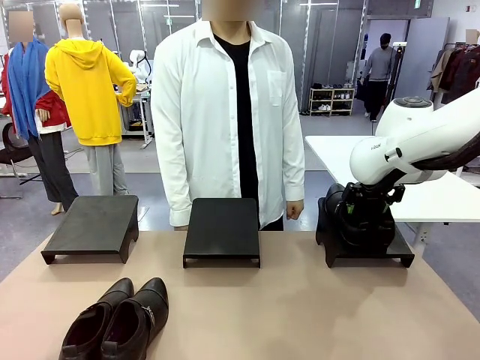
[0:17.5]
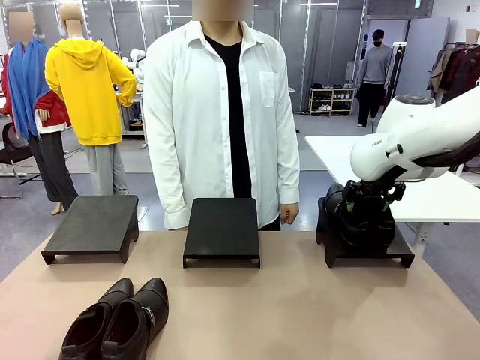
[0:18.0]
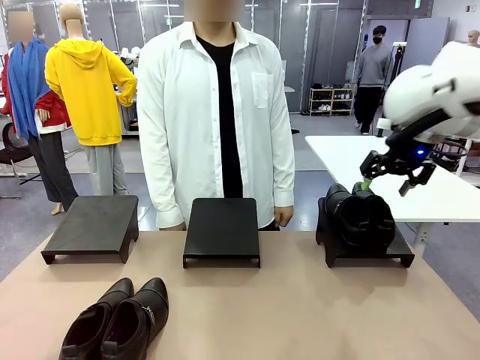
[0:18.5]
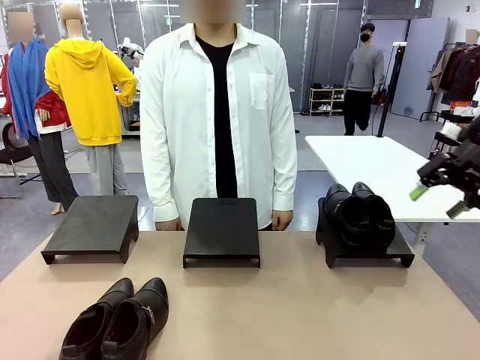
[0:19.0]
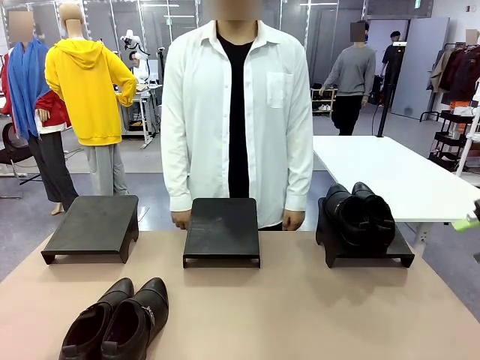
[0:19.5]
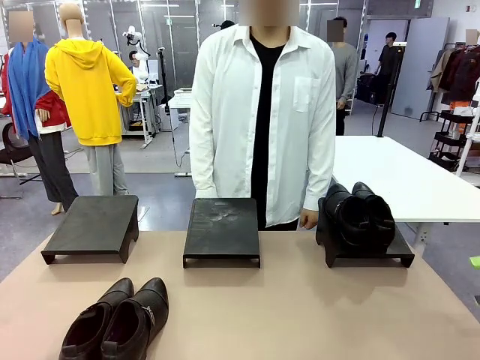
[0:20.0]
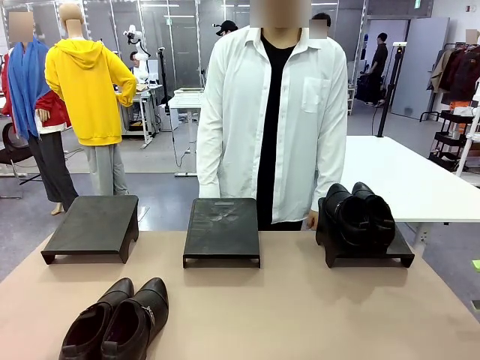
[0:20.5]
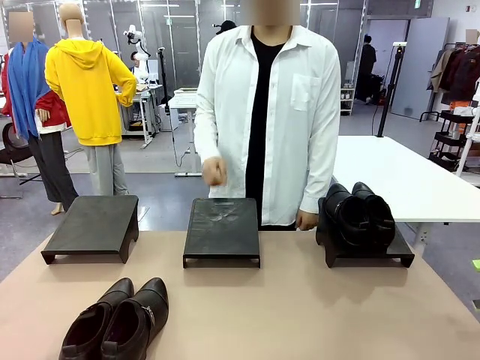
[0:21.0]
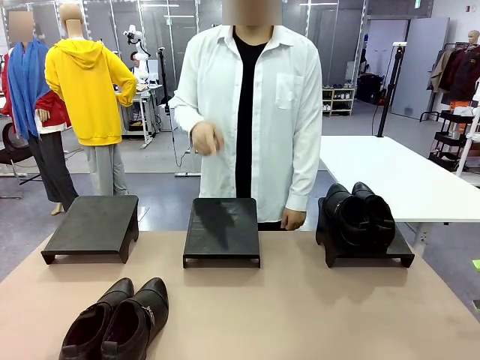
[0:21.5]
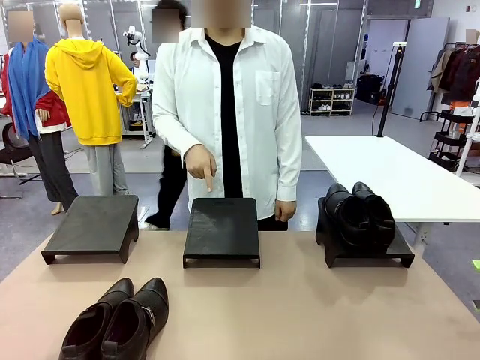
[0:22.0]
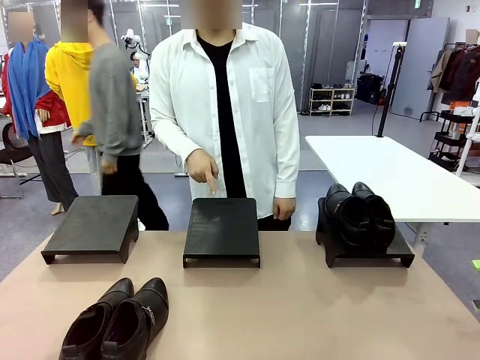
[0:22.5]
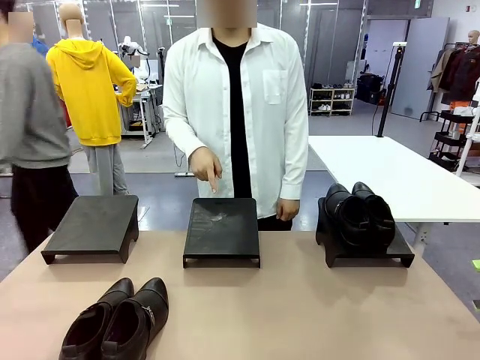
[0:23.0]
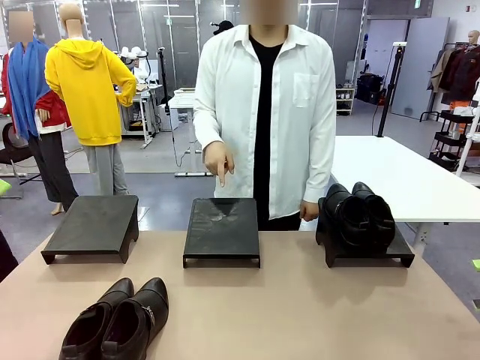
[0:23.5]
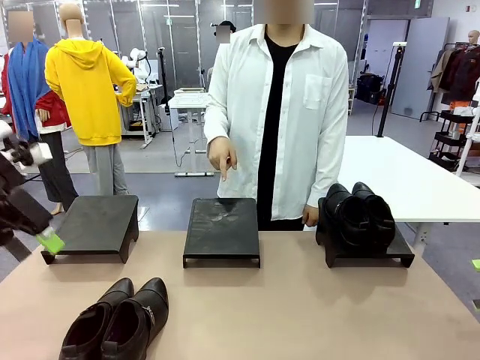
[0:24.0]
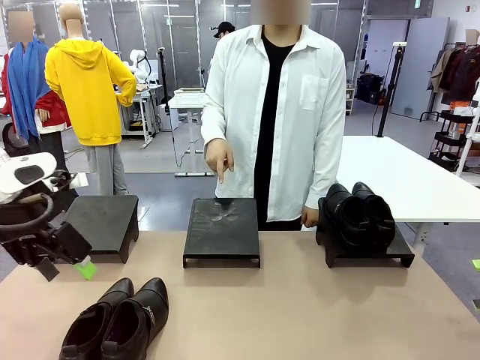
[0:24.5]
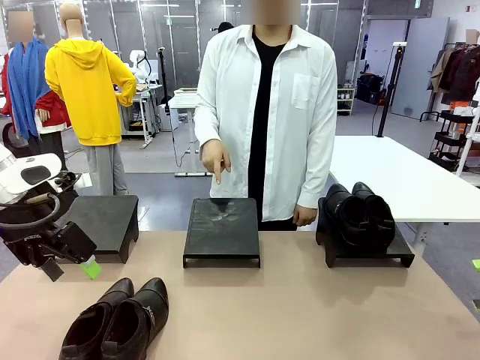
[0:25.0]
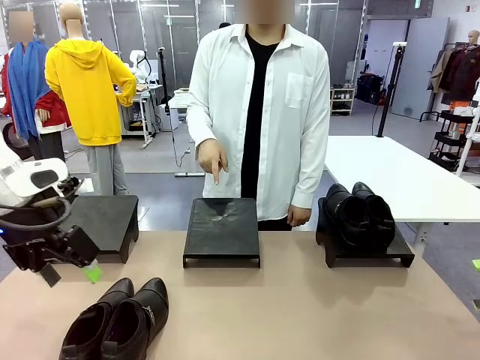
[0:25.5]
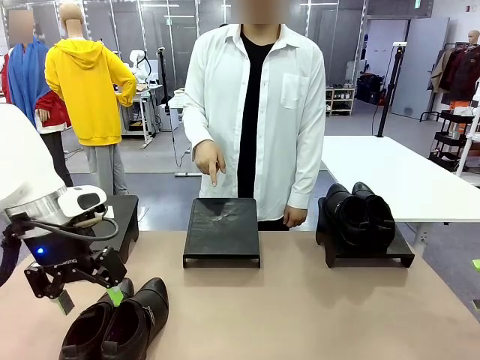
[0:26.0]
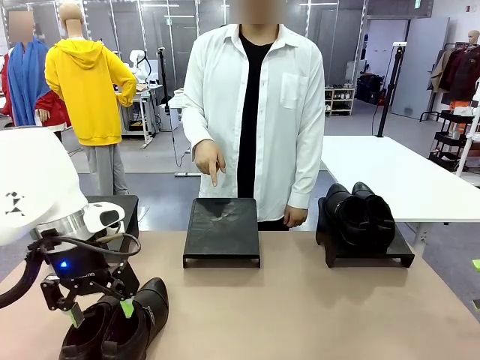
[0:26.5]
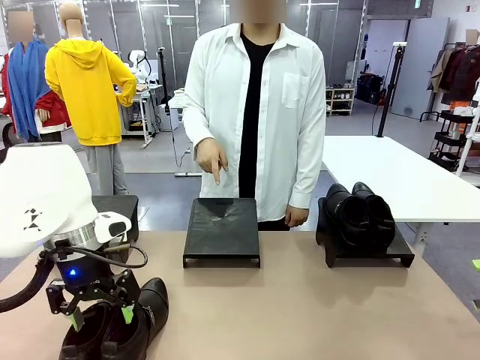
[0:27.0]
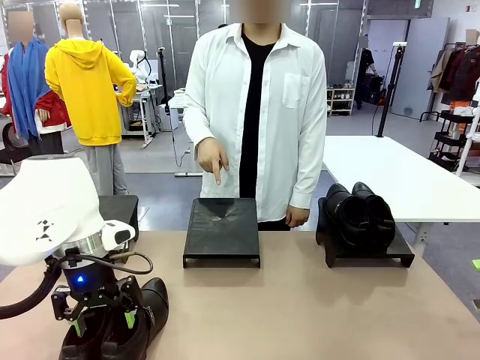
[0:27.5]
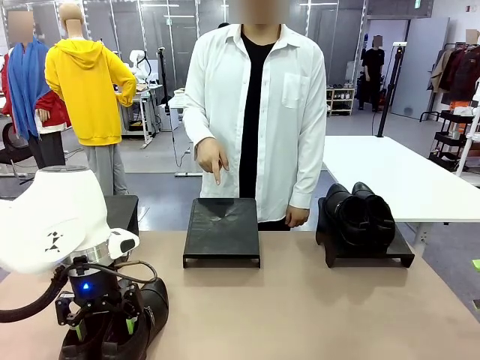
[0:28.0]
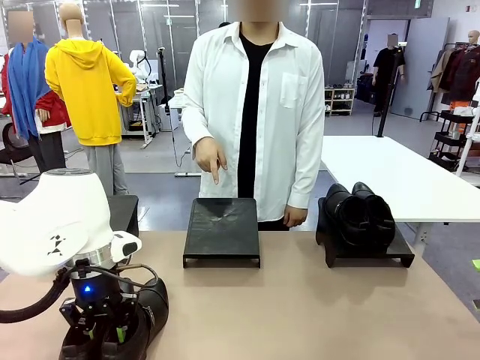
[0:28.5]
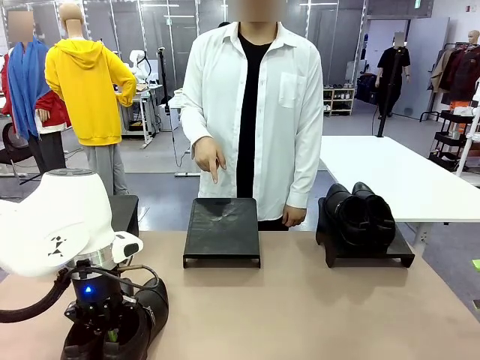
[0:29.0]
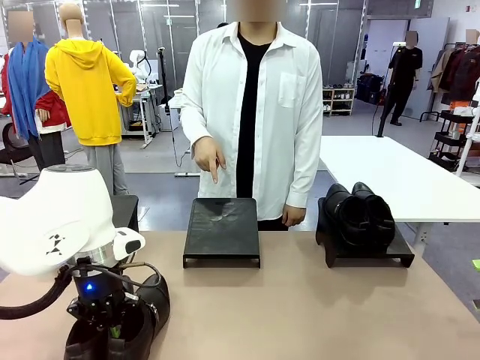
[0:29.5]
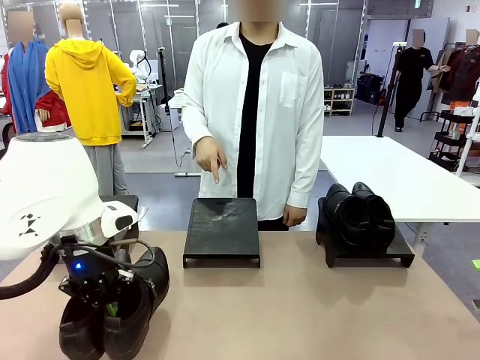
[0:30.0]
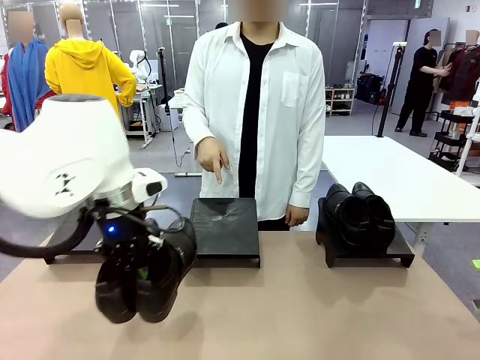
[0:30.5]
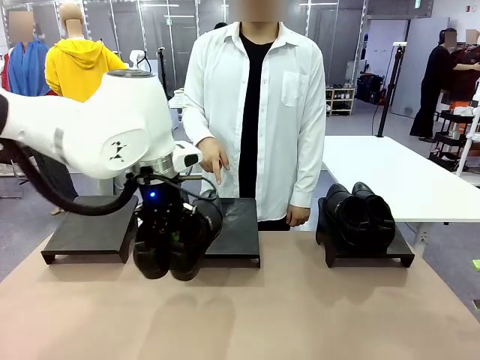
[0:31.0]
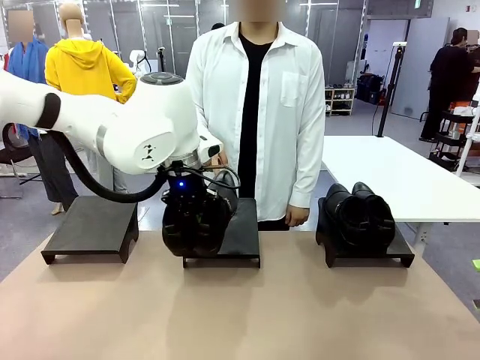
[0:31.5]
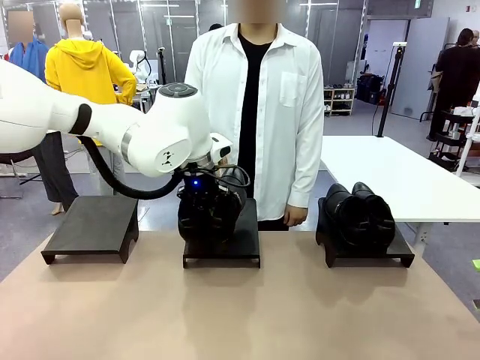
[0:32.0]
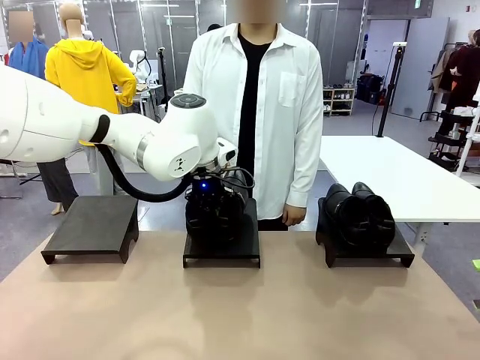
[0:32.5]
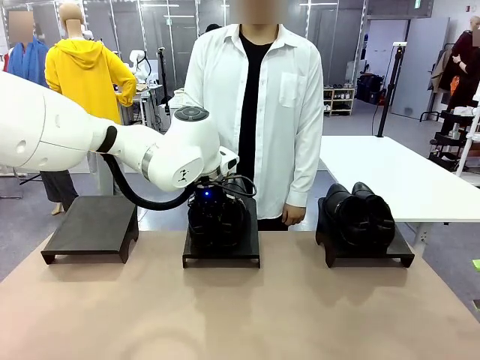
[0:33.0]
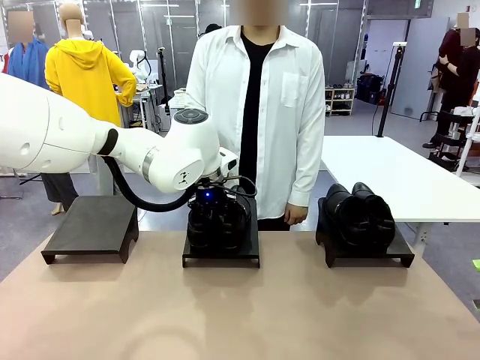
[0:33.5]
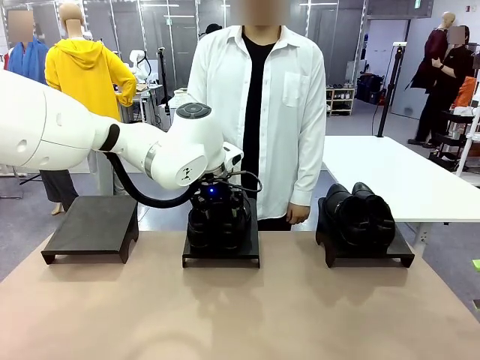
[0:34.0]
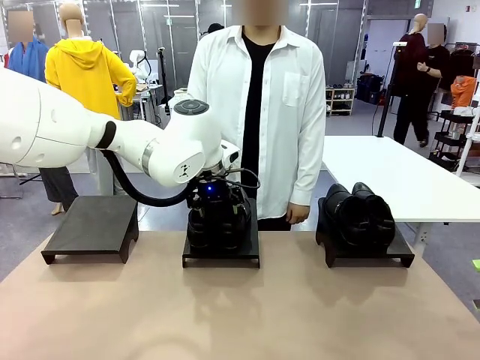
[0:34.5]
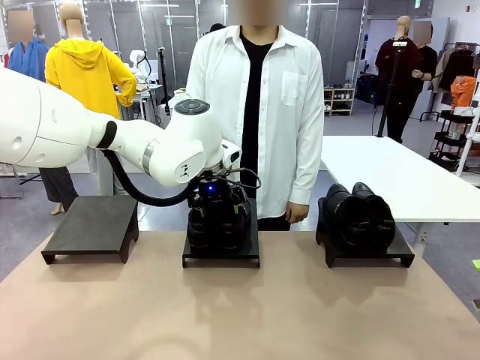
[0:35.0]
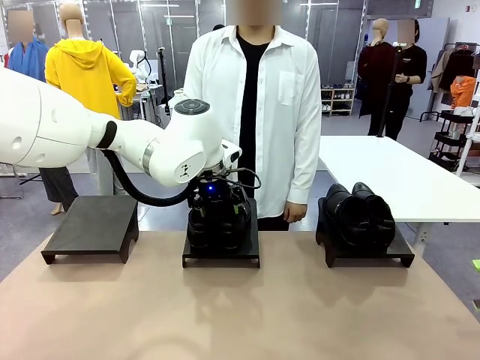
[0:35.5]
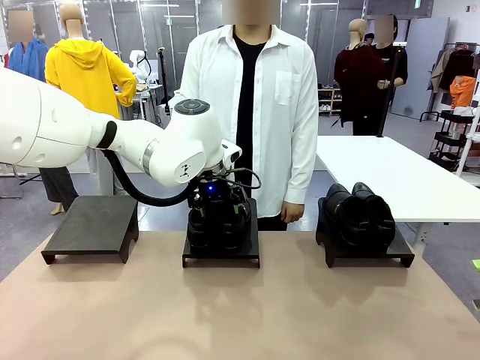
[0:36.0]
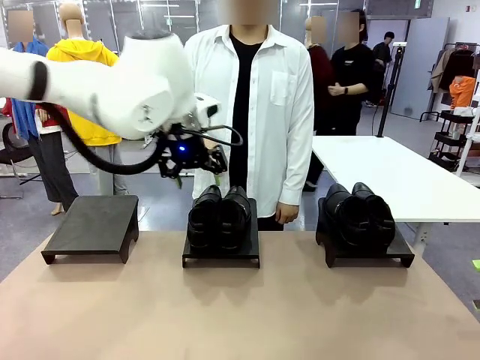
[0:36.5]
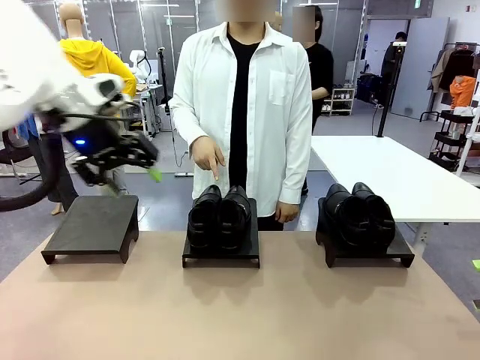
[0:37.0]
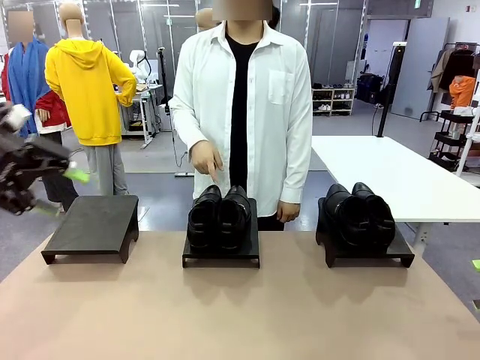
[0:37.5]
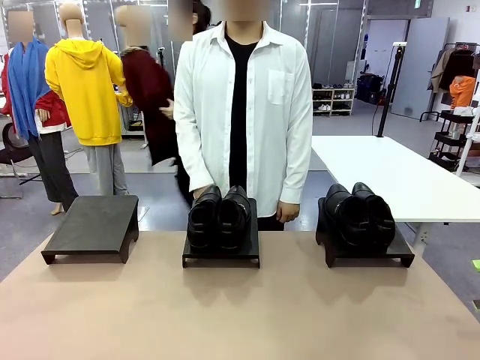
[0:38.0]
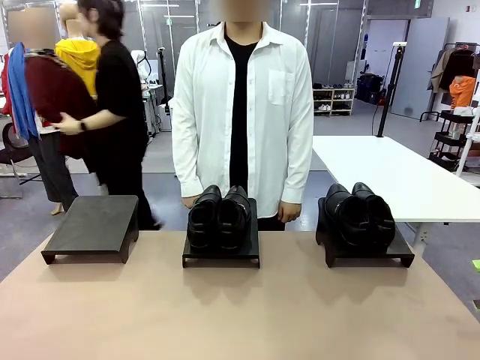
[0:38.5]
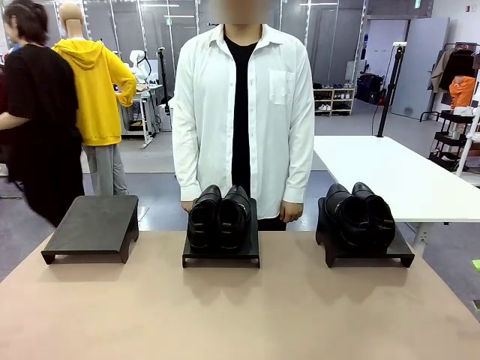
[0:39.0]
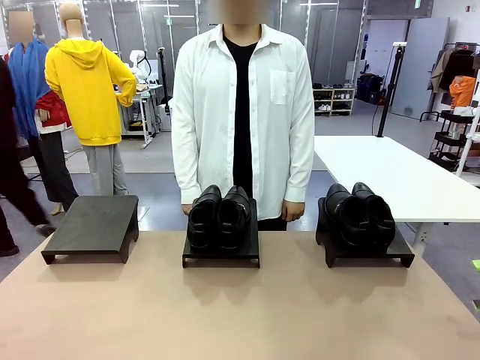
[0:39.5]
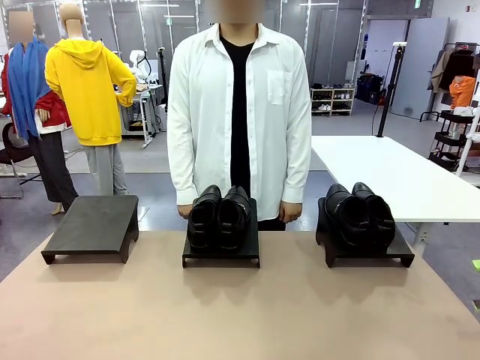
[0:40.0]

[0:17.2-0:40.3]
Task: Place the shoes on the stand as instructed by the person.
Robot: Pick up another pair of Shoes and place it on the Shoes Stand indicated by the person.
Person: Point to one Shoes Stand.
